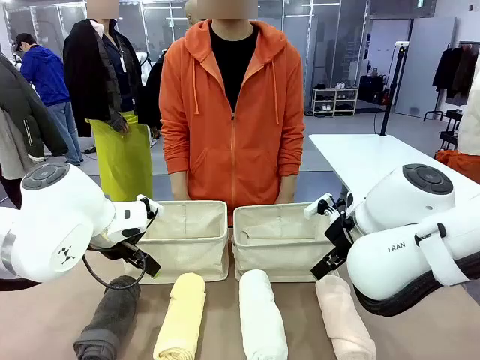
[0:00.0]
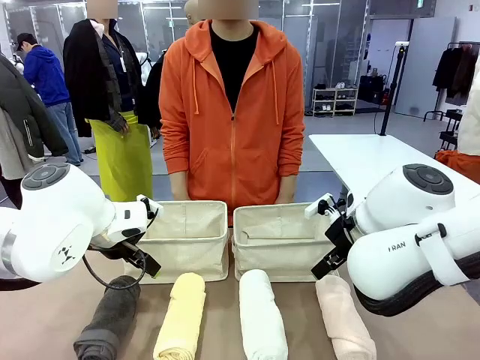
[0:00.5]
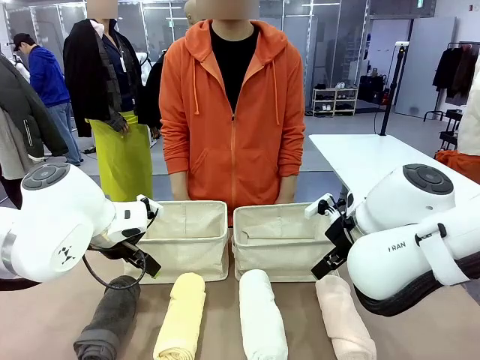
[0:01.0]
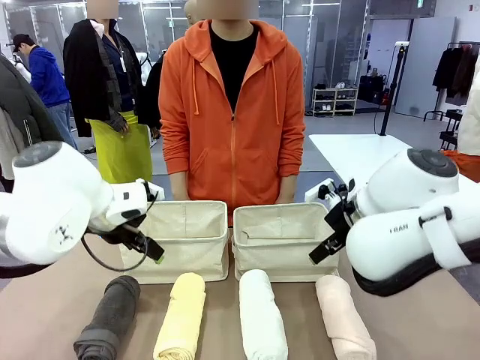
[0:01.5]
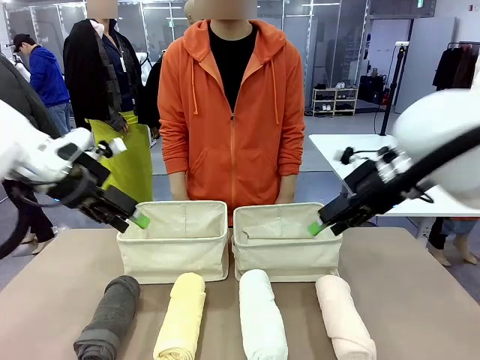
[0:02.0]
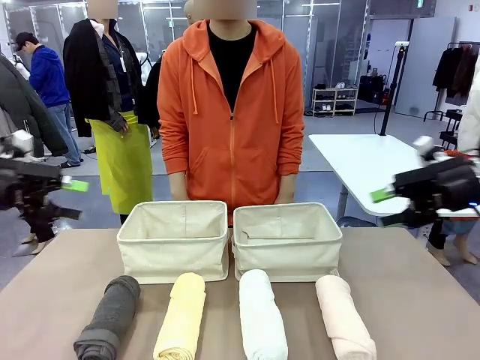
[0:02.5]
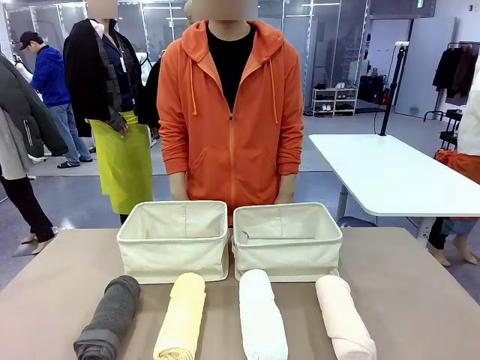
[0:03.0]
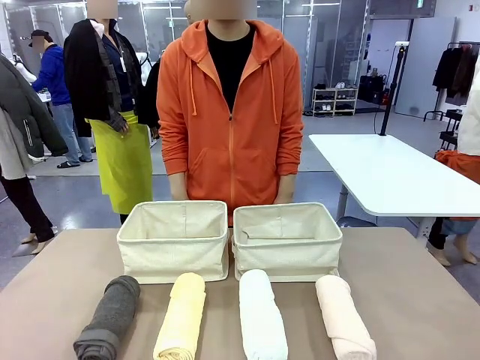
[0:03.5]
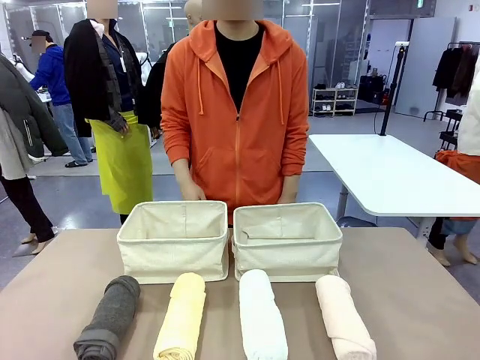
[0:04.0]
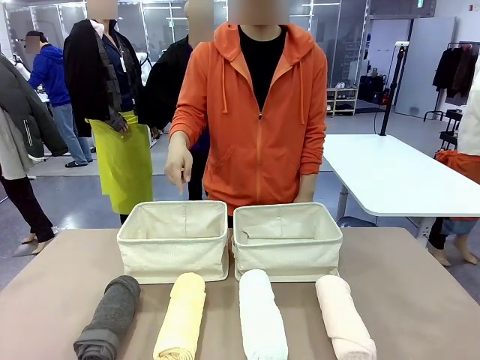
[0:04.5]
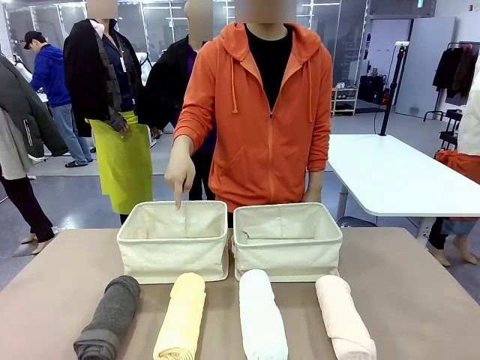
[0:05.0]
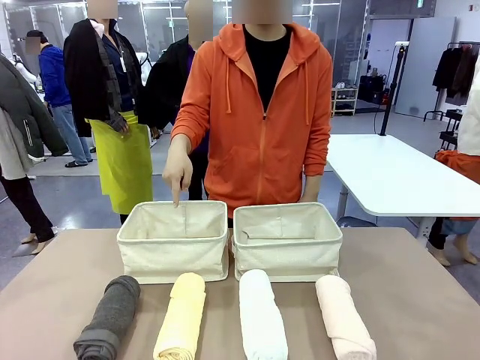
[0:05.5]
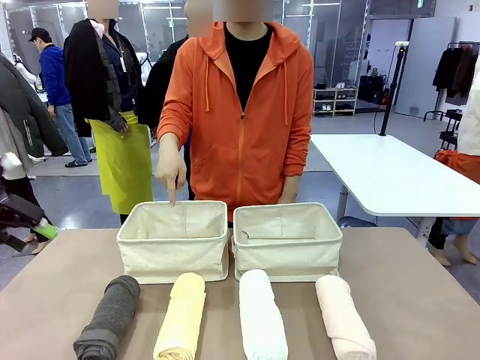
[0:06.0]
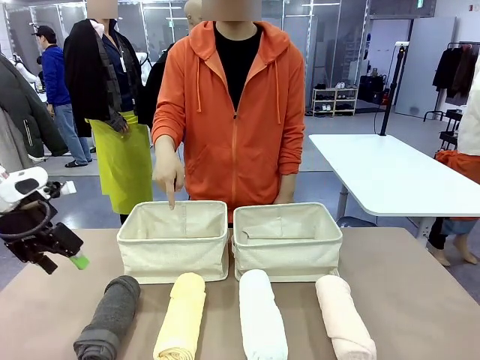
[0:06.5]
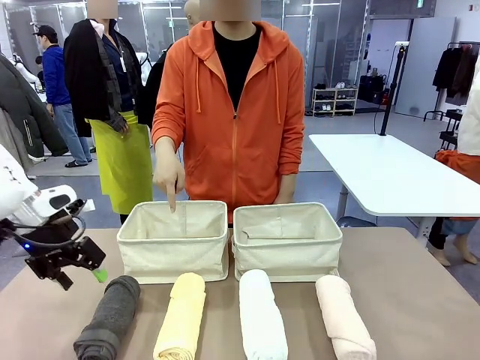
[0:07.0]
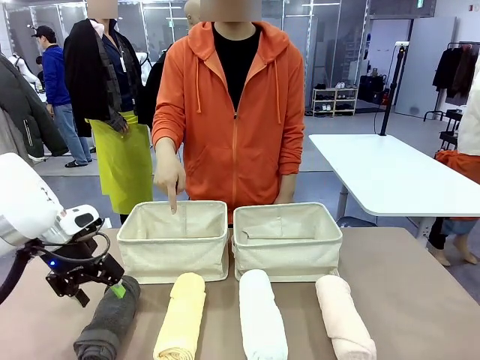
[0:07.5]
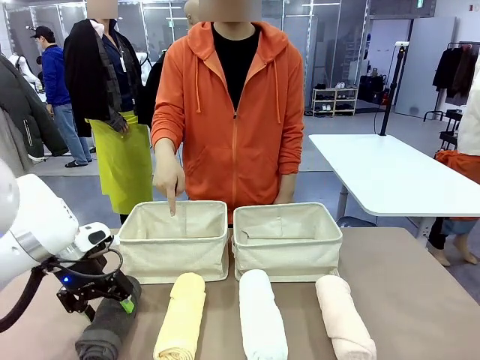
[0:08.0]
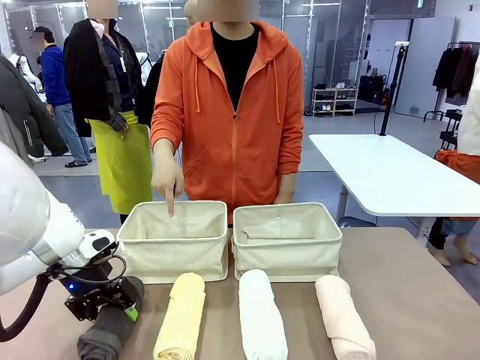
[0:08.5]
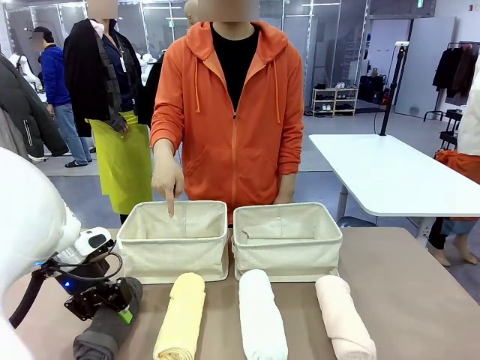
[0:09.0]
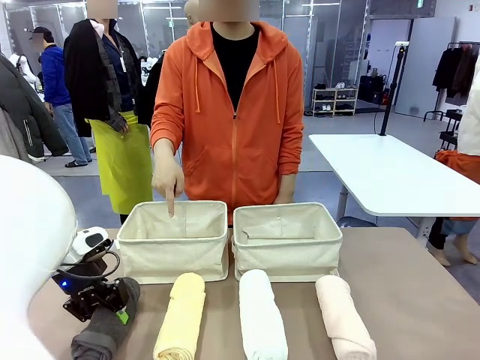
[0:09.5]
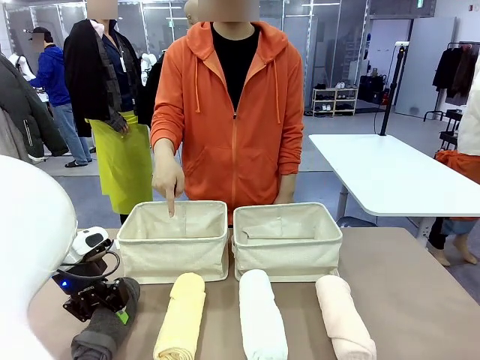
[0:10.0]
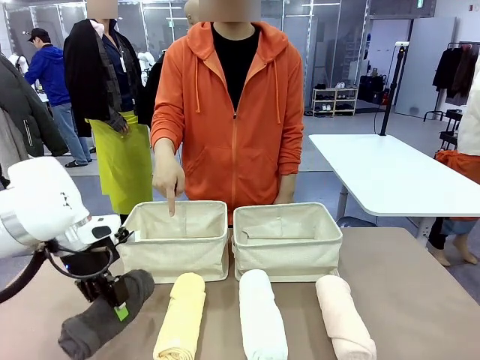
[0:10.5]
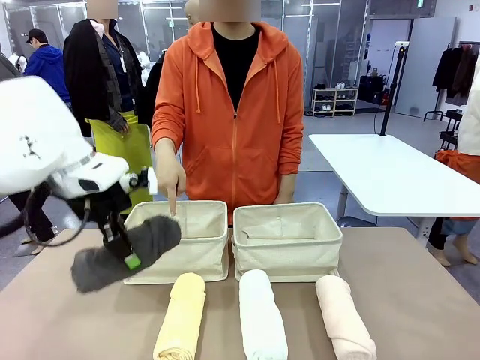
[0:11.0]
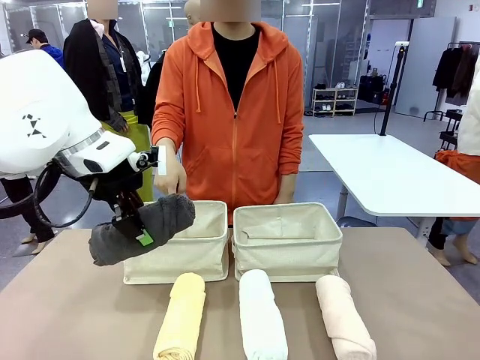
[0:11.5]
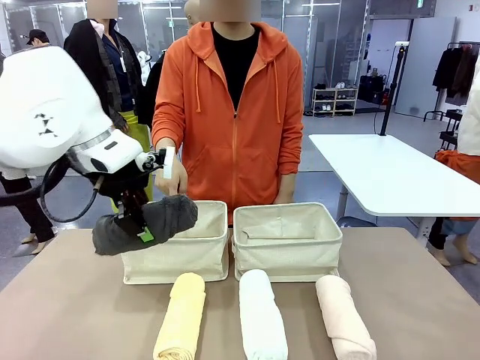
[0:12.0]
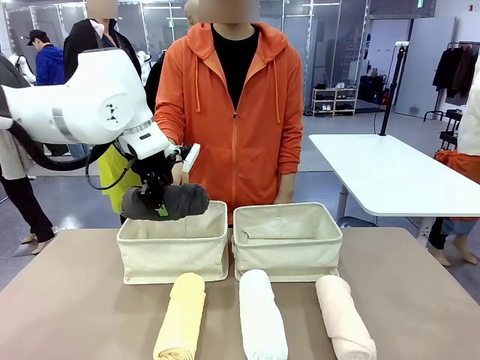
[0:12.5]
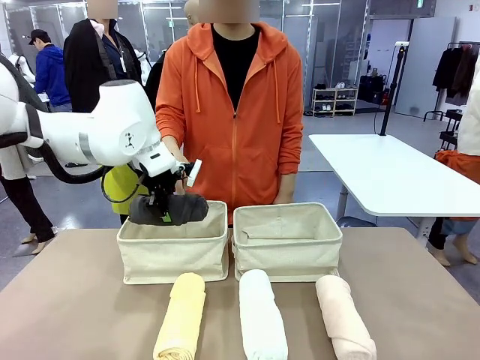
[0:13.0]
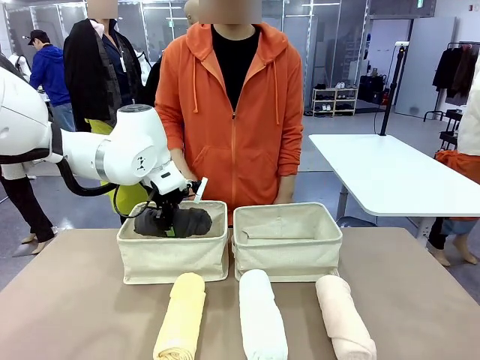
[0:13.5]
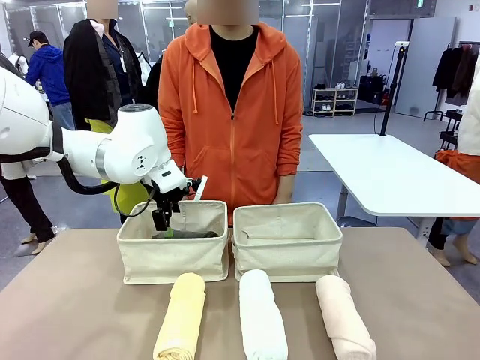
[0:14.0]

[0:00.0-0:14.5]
Task: Divide the towels into two baskets.
Robot: Pick up one hotel-folded towel and place it in the Fabric basket indicated by the person.

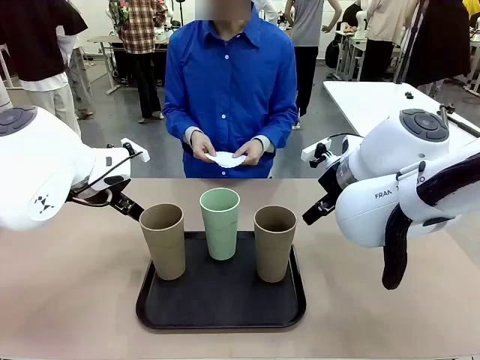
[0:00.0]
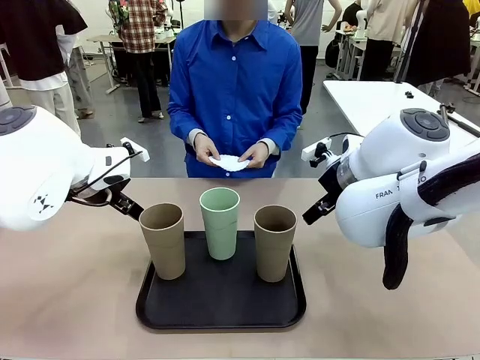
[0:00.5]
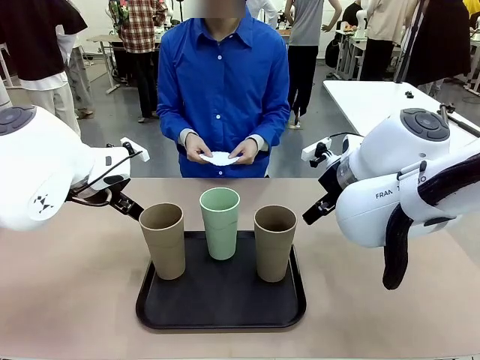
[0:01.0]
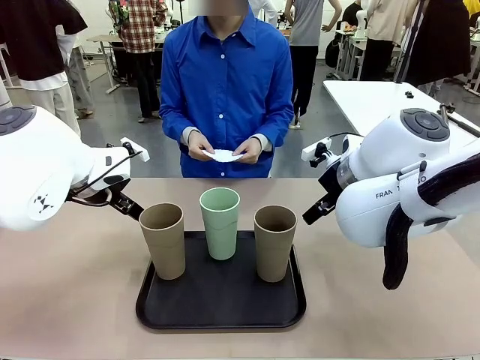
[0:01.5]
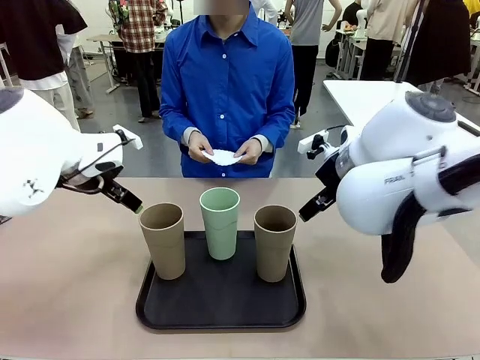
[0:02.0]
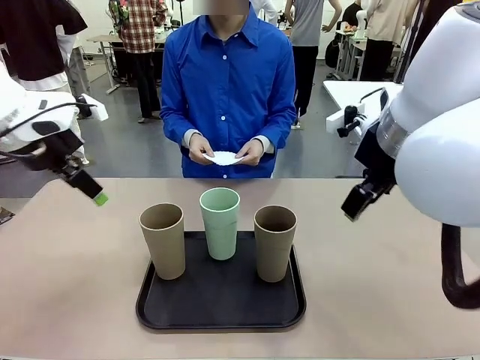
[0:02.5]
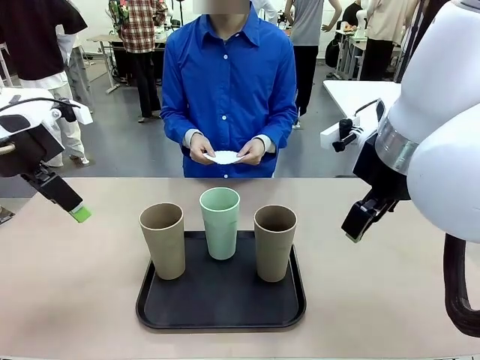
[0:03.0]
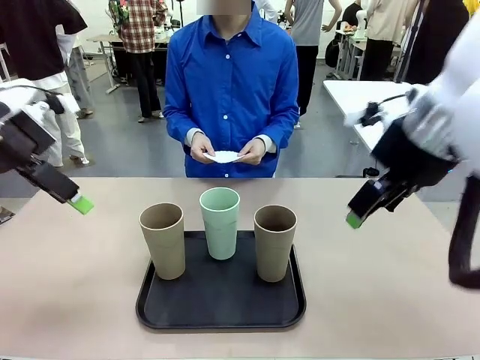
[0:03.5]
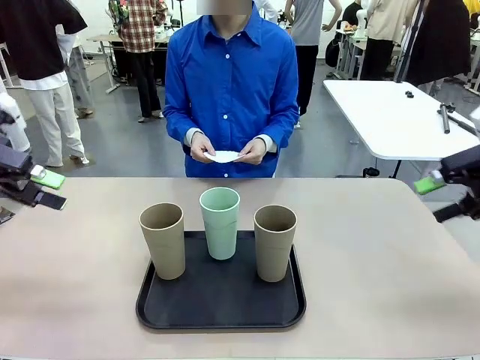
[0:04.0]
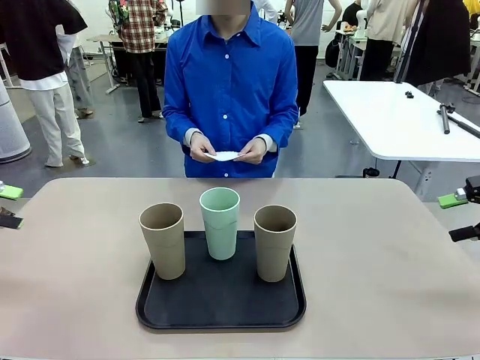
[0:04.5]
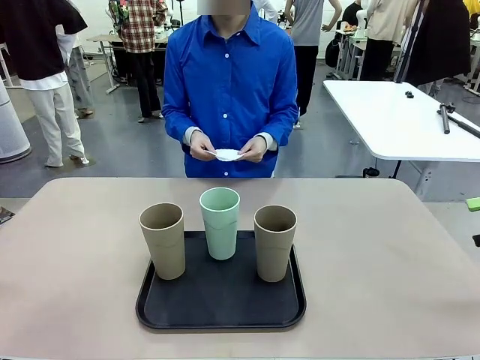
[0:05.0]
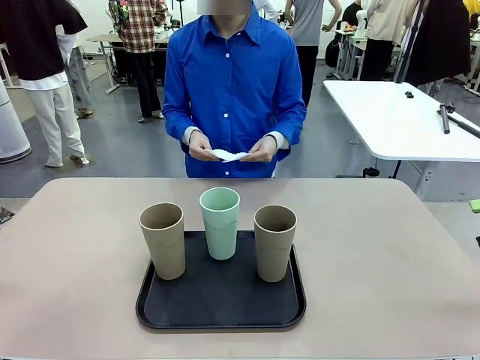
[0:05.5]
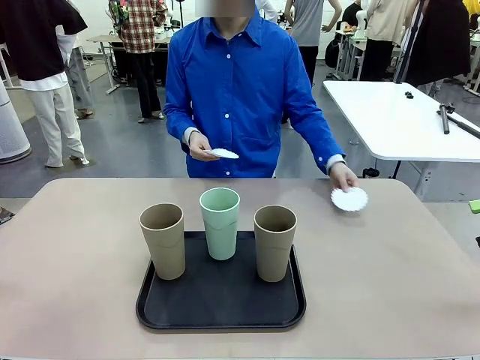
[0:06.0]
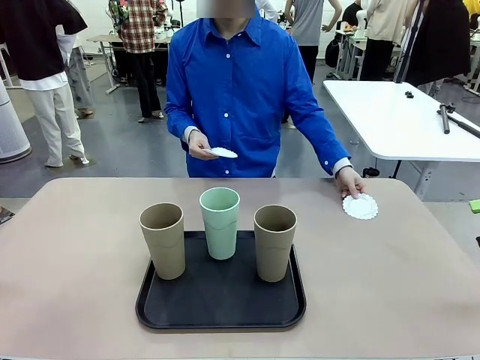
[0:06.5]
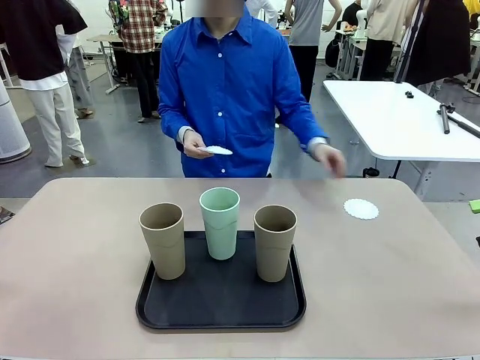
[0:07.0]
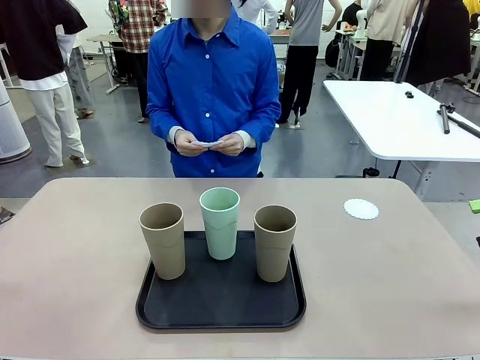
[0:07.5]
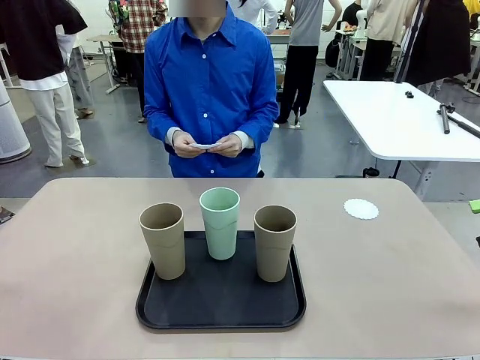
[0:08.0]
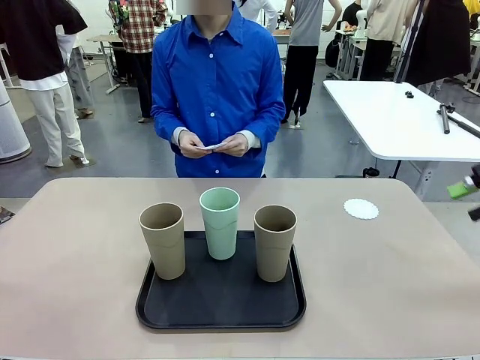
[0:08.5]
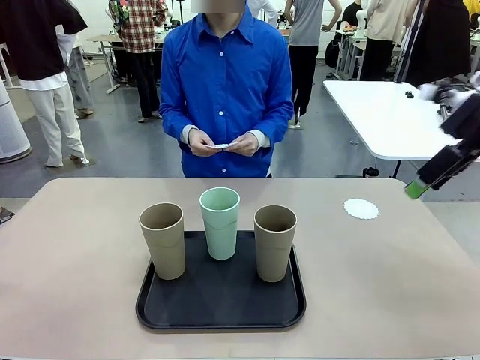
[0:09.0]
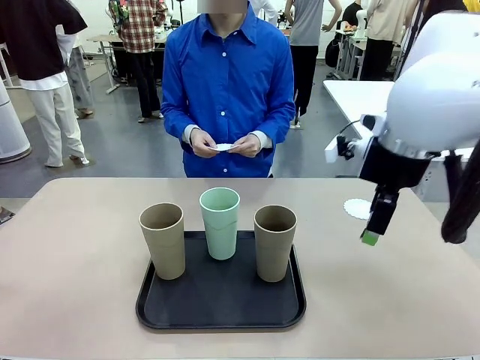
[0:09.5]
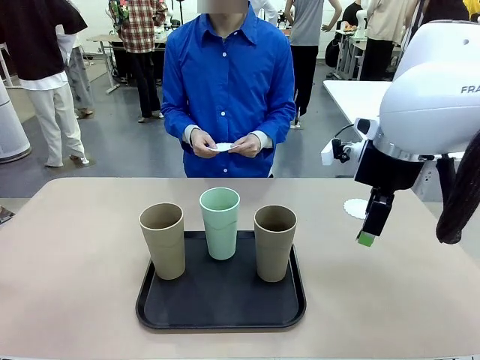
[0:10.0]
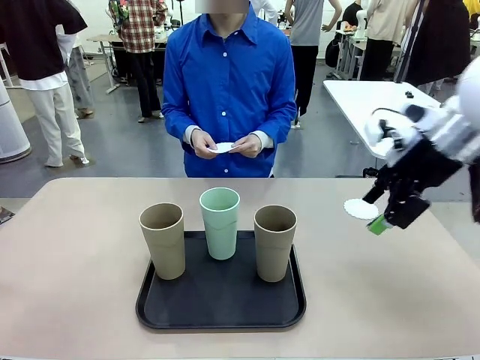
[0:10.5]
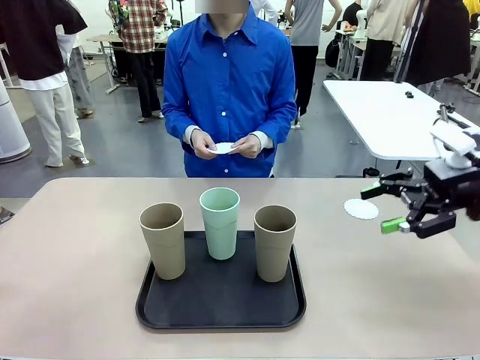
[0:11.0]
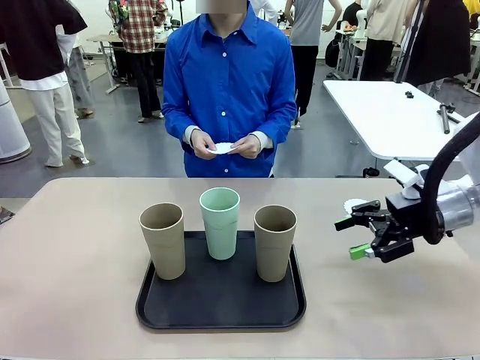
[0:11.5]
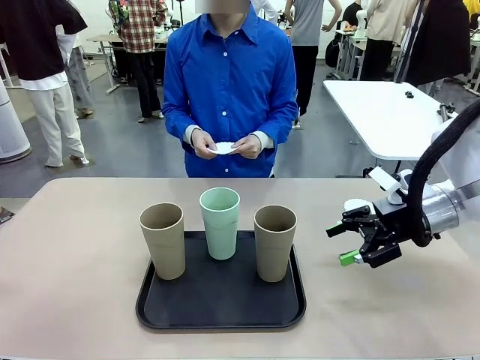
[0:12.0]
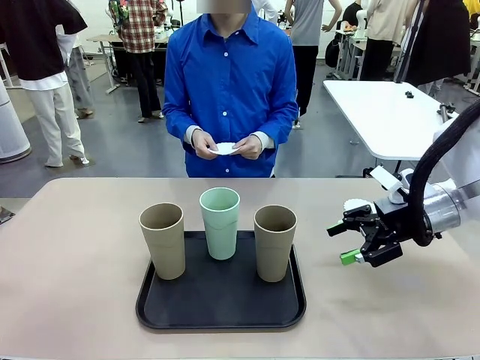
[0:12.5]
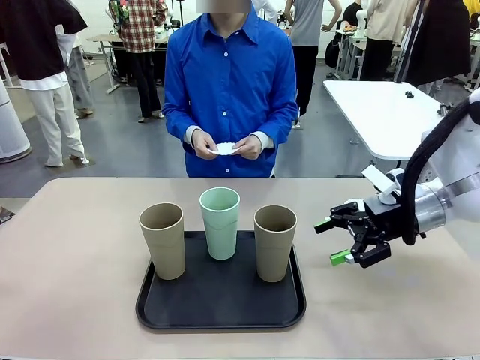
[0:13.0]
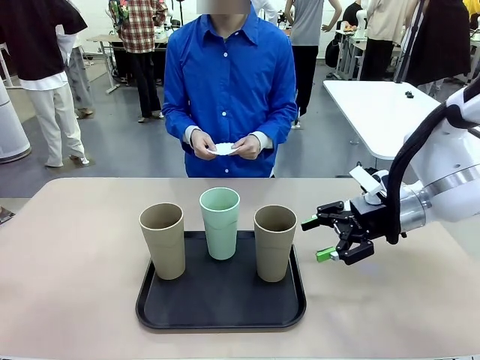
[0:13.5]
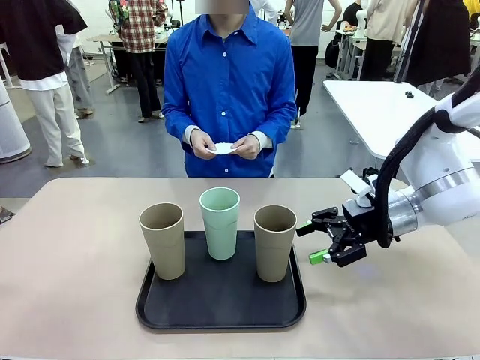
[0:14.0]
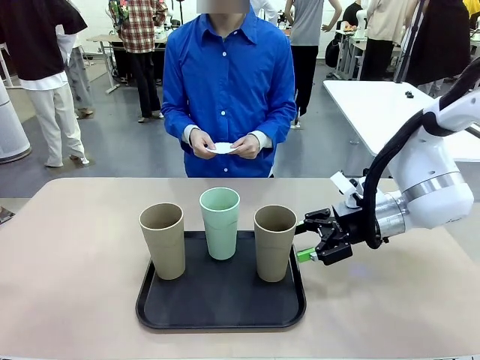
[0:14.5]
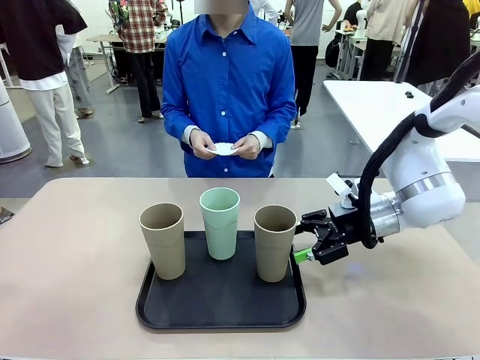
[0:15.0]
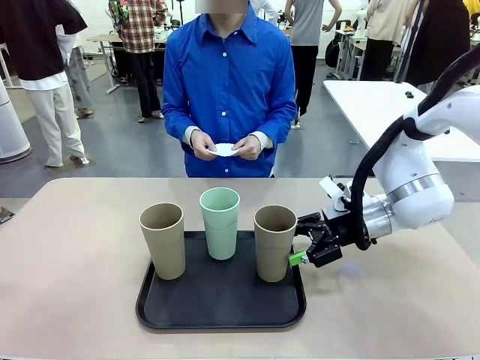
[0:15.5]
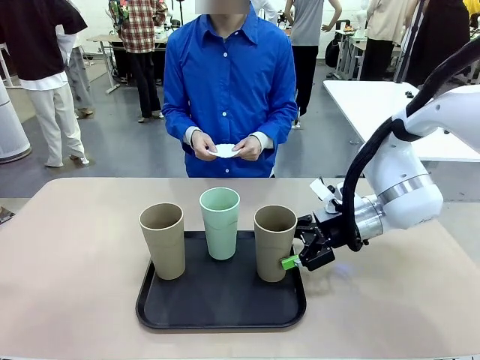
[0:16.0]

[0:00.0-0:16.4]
Task: Place coasters on the table and set cups on them.
Robot: Pick up one Reusable plastic cup and place it on a coaster set by the human.
Person: Place one coaster in any one of the three lower areas of the robot table (left, center, or right).
